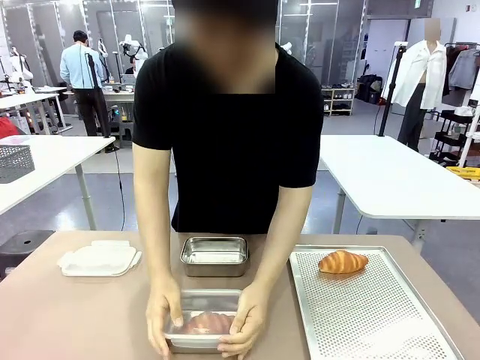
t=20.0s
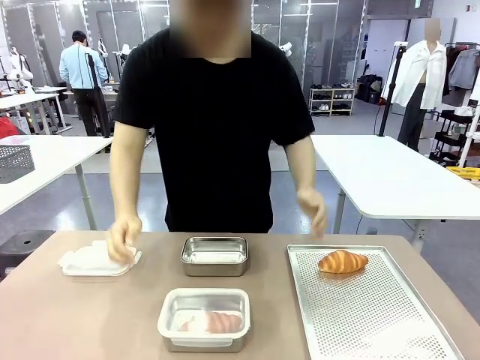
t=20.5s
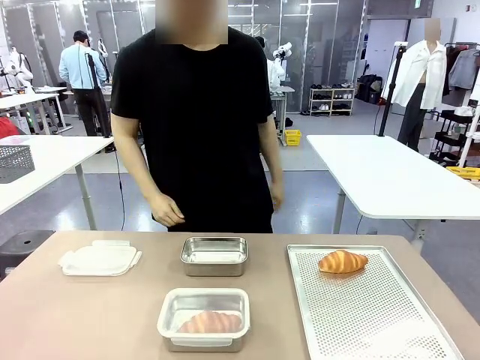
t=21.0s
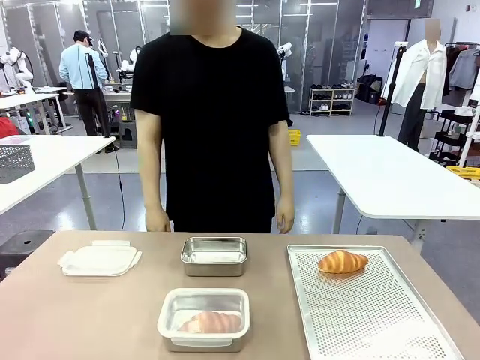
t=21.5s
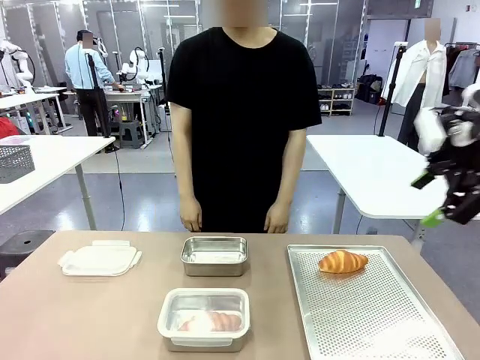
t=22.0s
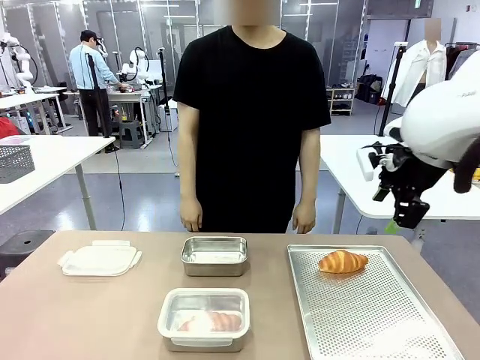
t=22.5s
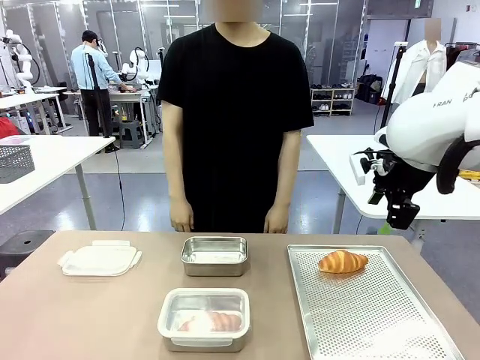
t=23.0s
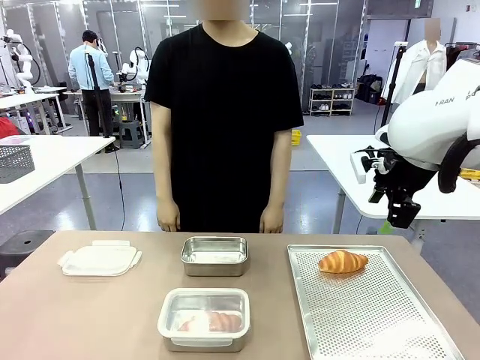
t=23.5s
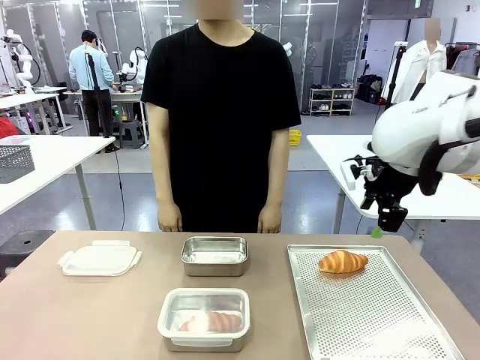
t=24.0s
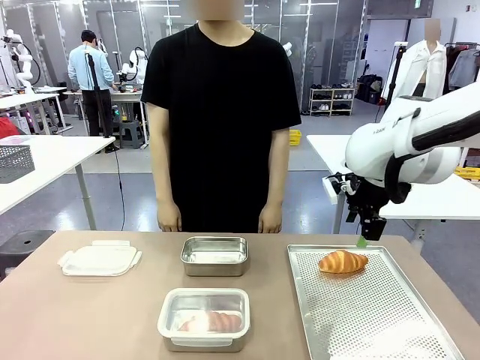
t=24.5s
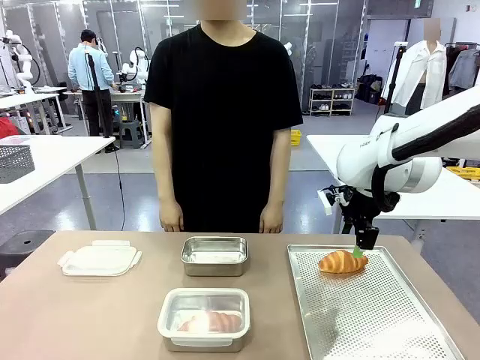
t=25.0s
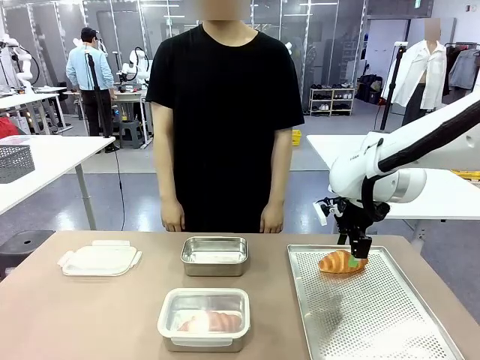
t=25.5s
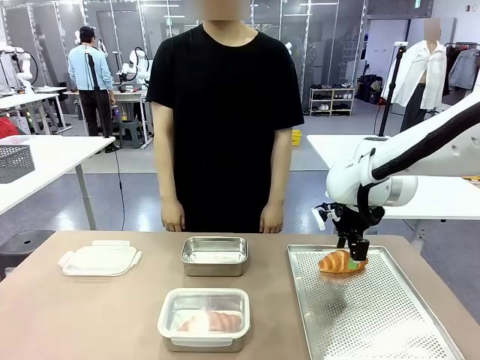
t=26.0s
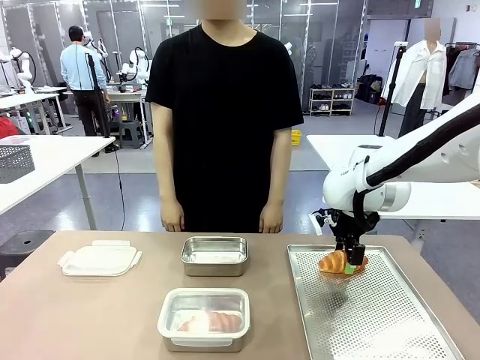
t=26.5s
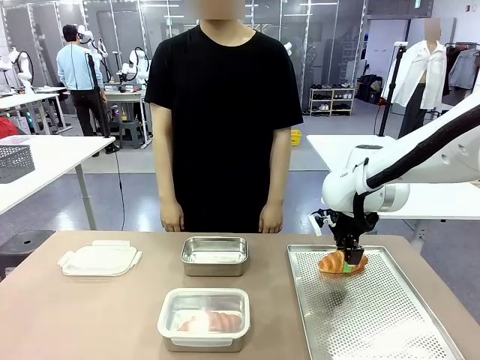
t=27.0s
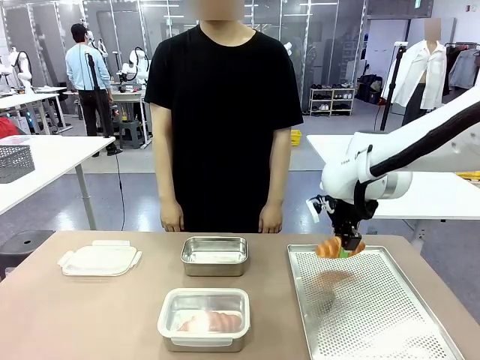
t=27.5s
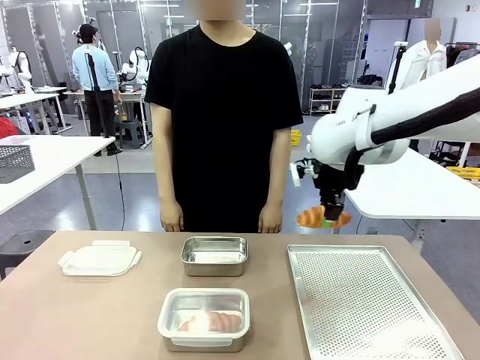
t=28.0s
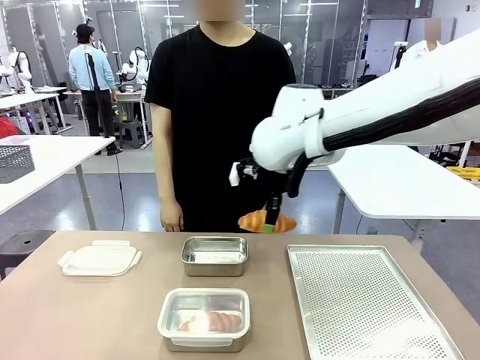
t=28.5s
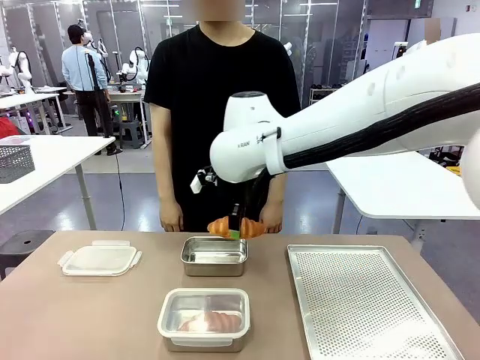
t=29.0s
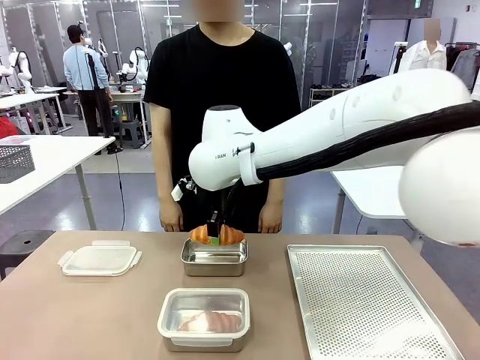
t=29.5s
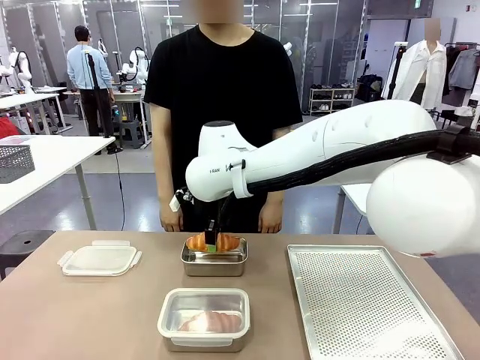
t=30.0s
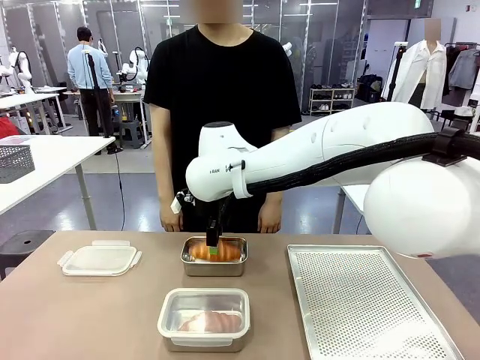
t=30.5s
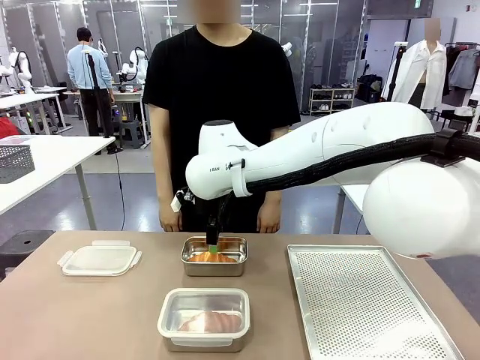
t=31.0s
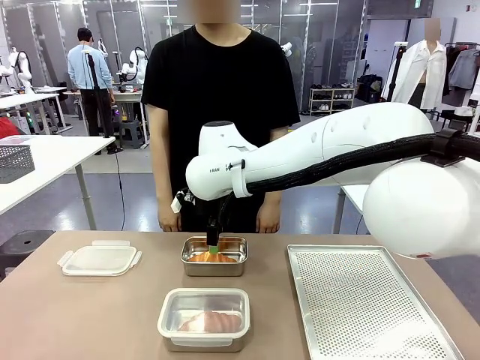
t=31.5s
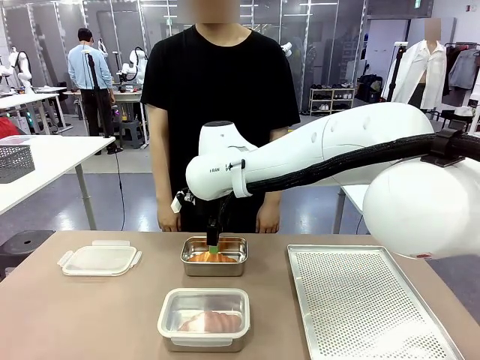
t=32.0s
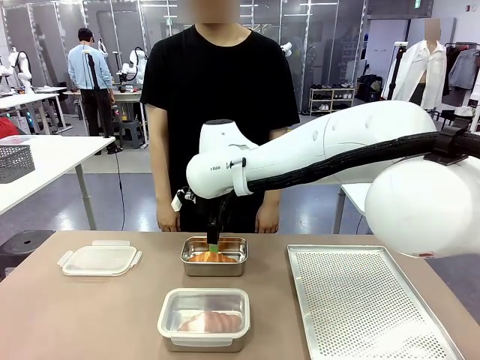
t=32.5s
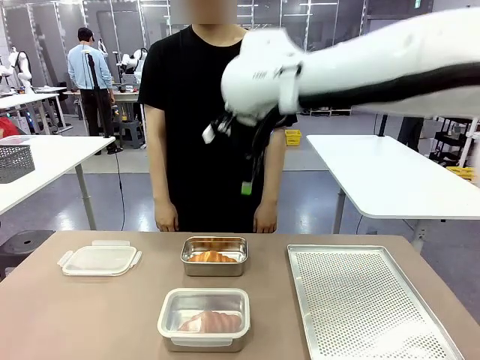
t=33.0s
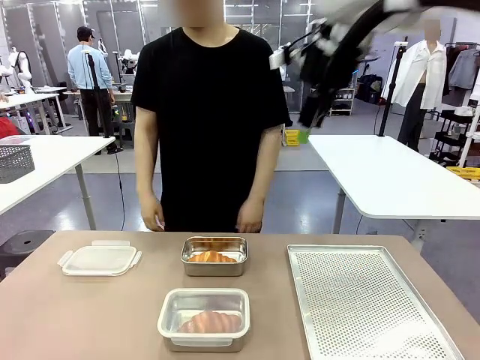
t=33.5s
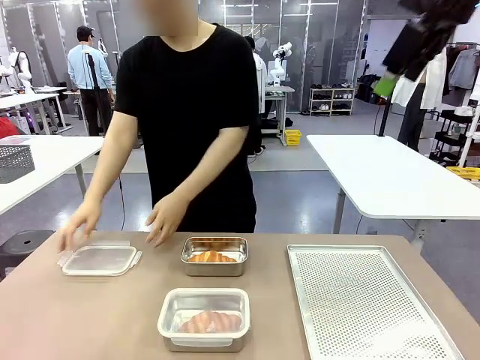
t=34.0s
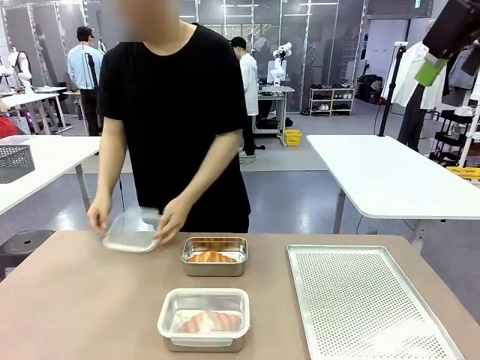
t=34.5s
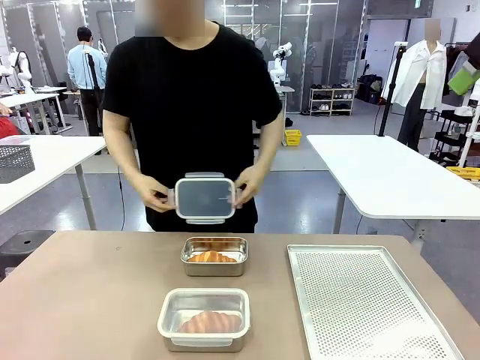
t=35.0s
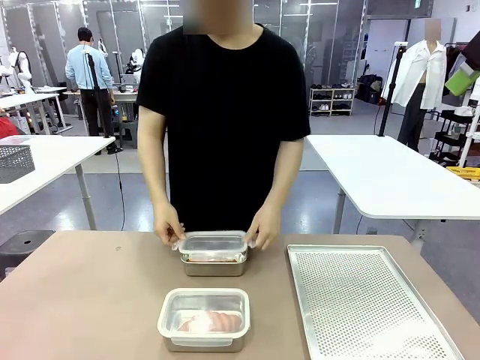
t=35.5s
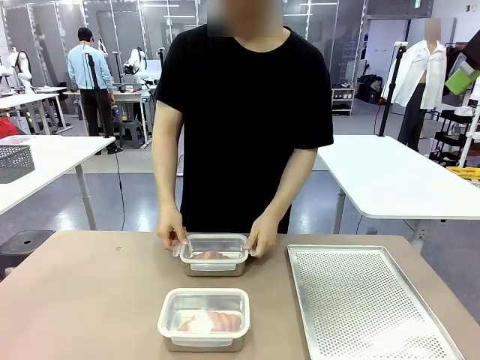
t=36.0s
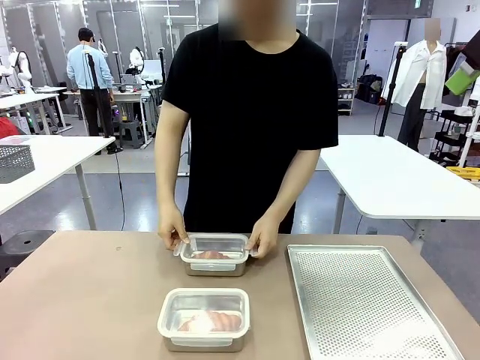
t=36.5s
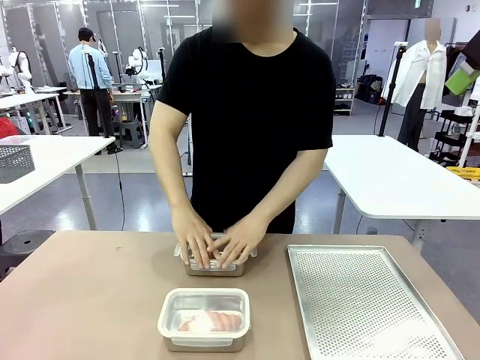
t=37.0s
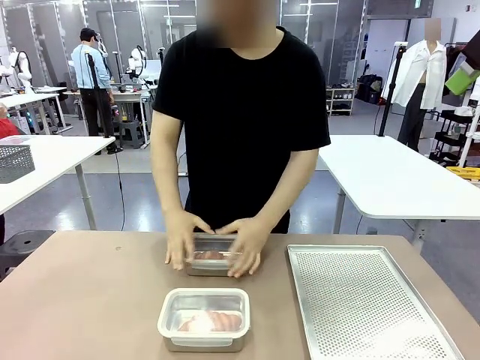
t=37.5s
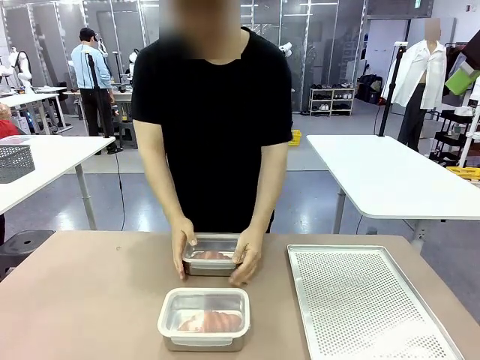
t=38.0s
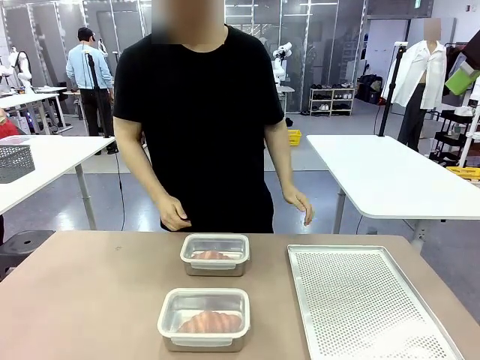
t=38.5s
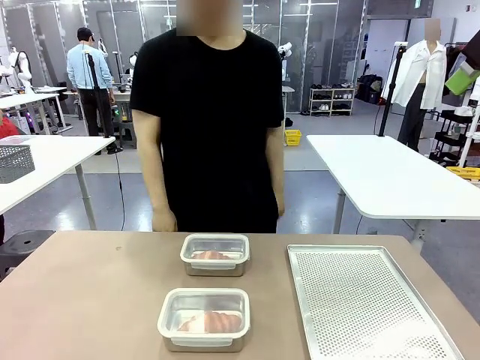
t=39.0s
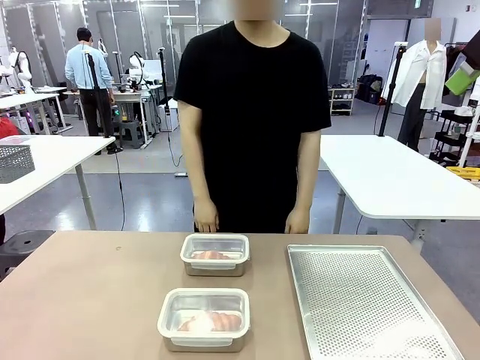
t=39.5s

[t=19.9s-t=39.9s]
Task: Place the bread into the airtight container.
Robot: Pick up a Butter Roll and place it into an empty Airtight Container.
Person: Once a Butter Roll is inside an Airtight Container , close the lid of that Airtight Container.
